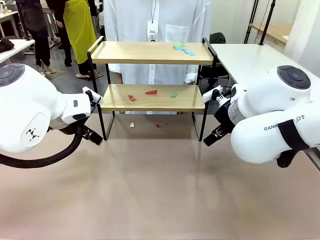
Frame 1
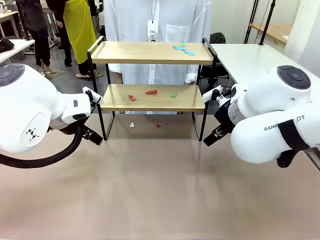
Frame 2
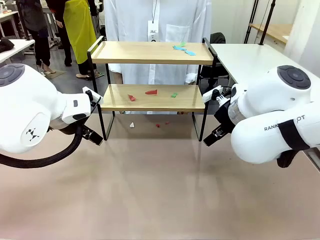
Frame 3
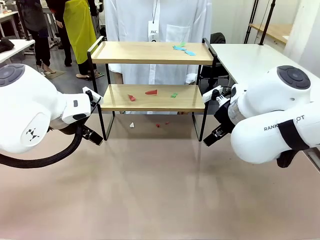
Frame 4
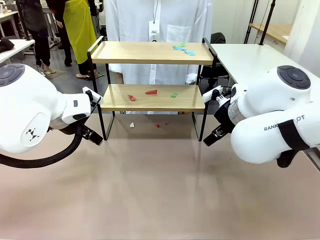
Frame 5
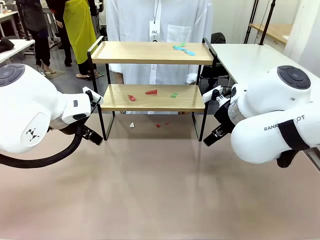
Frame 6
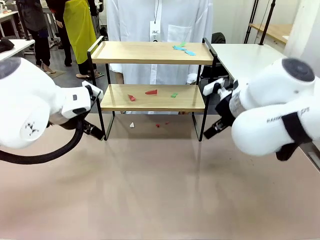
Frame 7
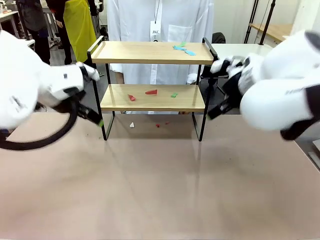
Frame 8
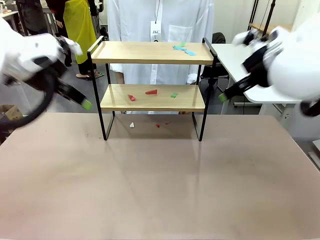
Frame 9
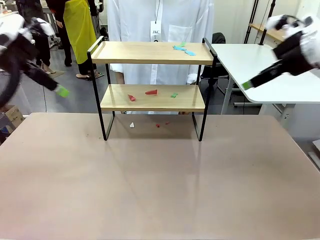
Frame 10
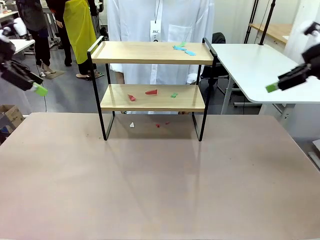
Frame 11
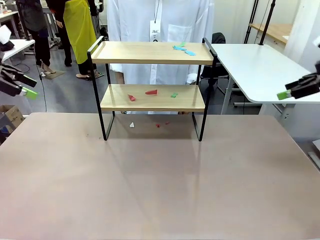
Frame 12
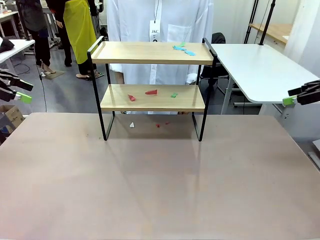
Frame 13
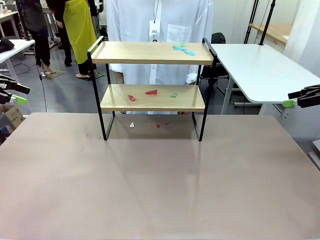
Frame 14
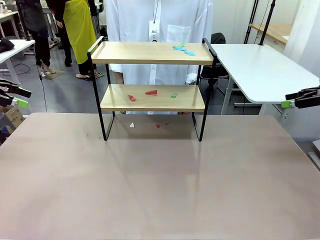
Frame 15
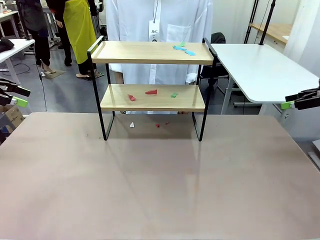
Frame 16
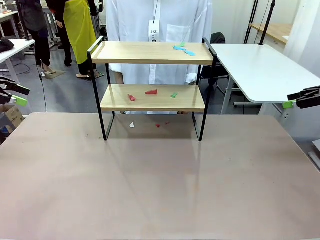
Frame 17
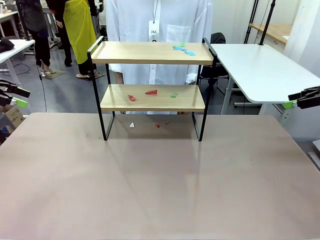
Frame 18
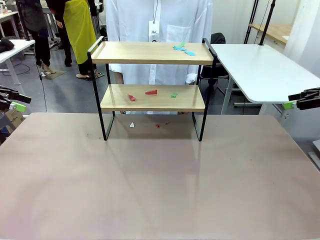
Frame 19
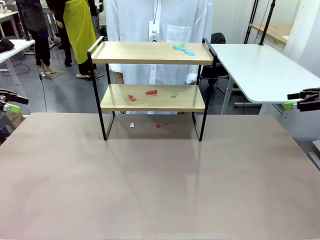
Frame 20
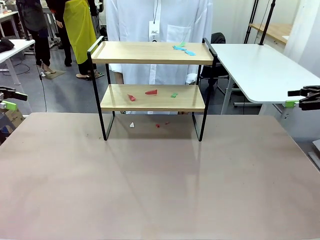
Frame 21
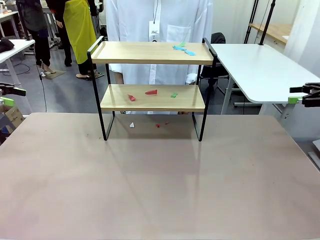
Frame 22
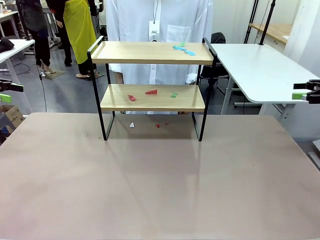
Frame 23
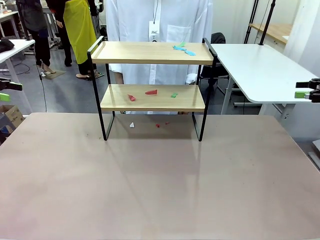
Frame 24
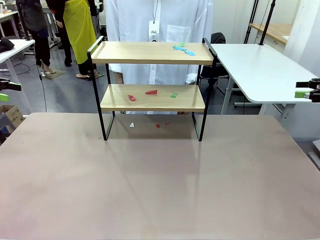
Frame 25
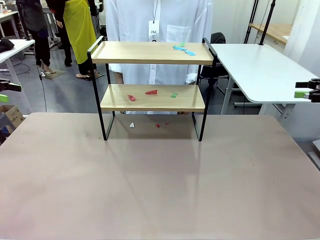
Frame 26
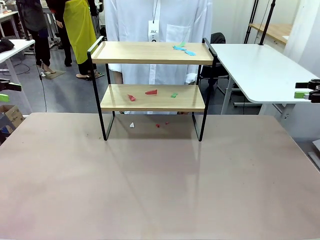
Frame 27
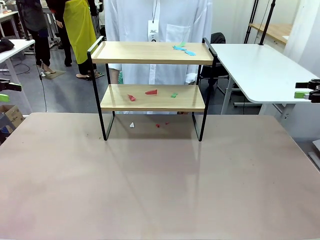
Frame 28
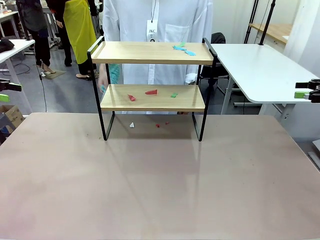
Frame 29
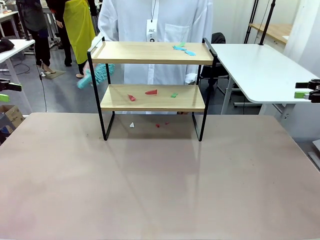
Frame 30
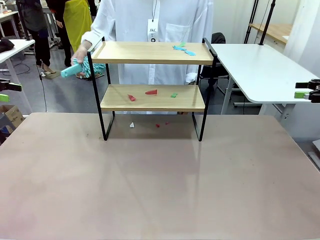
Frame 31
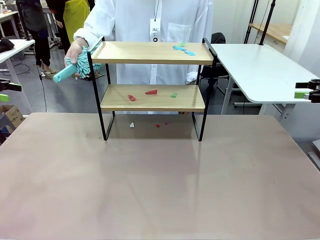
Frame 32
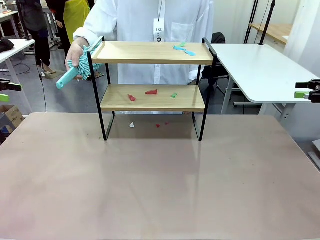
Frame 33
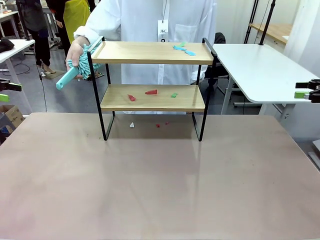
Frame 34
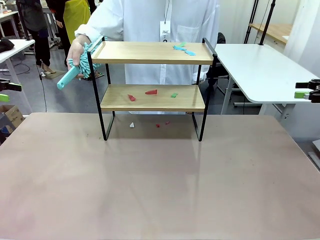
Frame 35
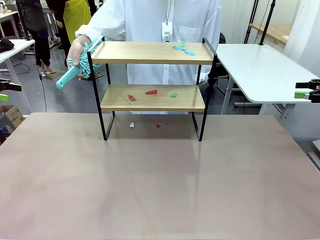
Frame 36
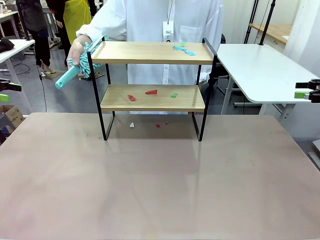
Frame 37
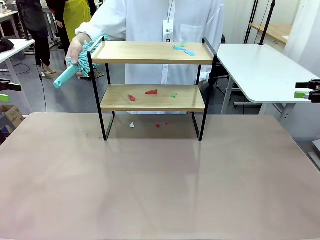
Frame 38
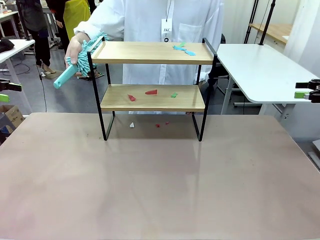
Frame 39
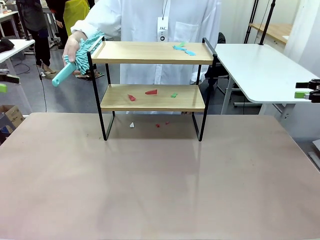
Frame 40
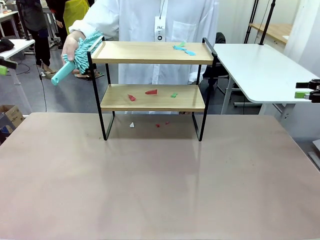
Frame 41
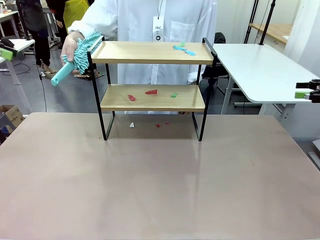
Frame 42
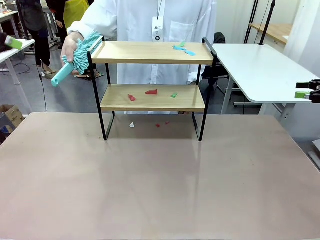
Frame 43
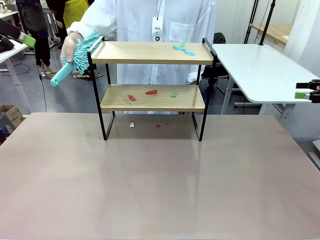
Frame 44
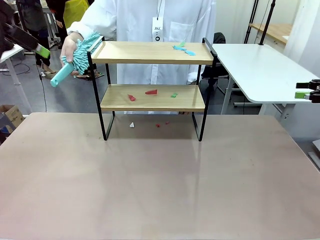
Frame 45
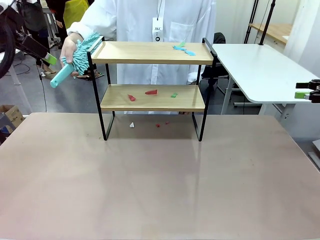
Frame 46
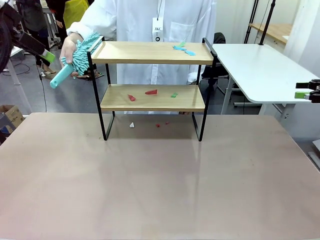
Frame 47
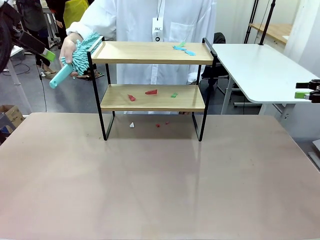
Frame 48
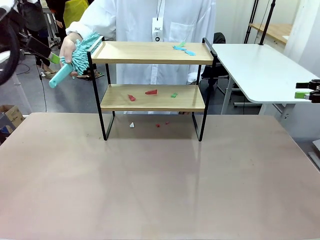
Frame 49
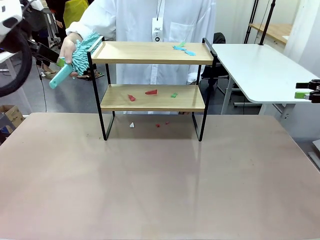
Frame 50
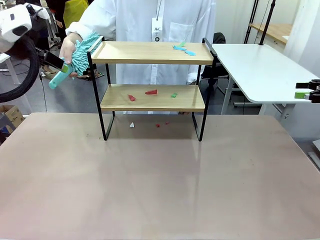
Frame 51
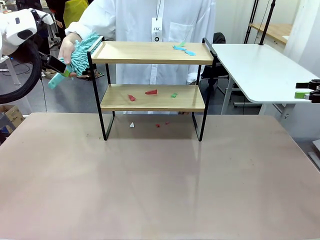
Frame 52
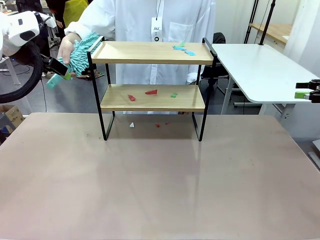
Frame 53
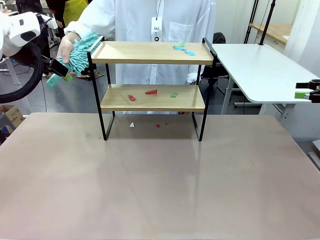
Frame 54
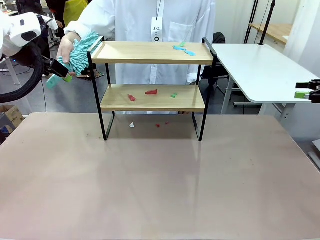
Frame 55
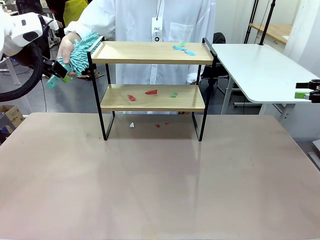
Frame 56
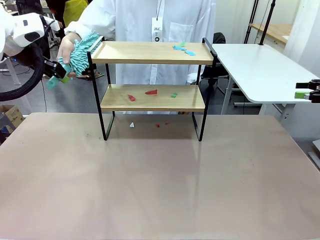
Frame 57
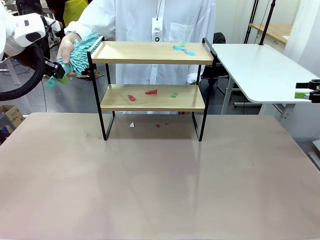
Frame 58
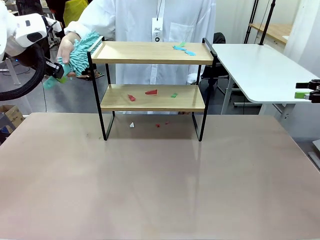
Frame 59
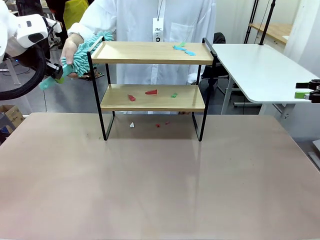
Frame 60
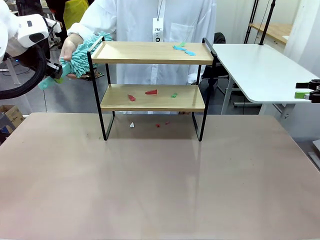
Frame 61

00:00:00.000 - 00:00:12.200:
Task: Clean the shelf.
Robot: Pick up the Duster handed by the human.
Person: Hand the Duster to the robot.

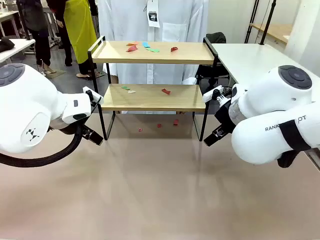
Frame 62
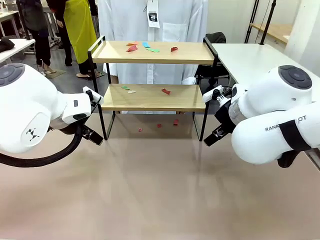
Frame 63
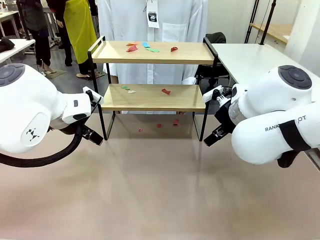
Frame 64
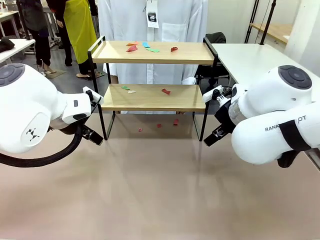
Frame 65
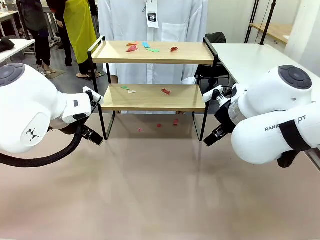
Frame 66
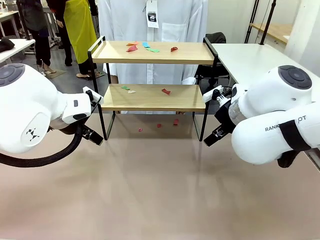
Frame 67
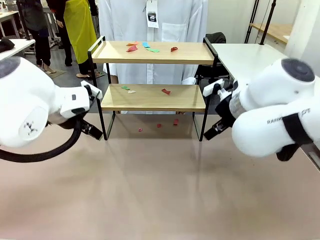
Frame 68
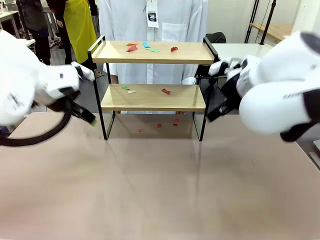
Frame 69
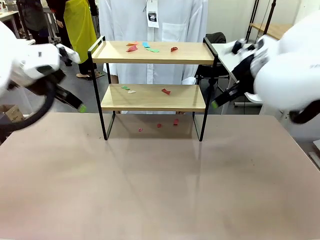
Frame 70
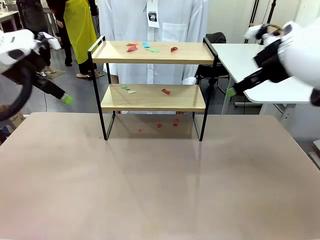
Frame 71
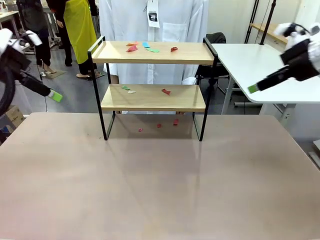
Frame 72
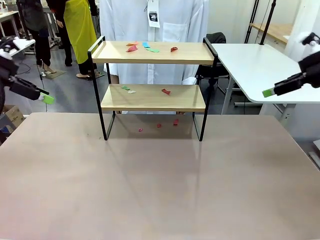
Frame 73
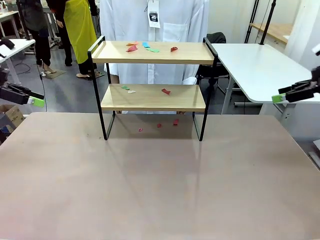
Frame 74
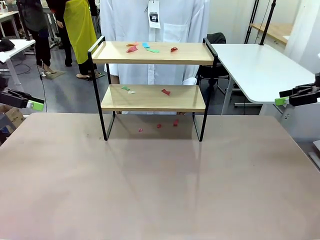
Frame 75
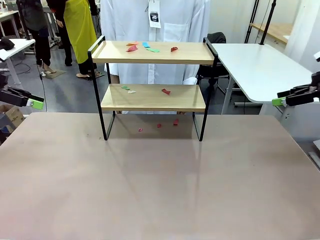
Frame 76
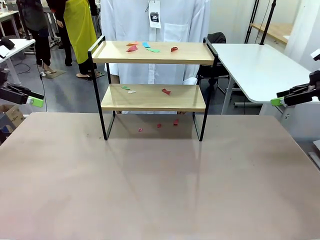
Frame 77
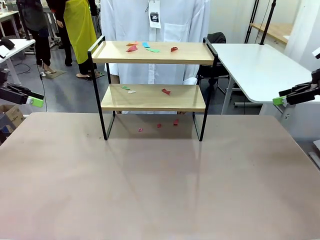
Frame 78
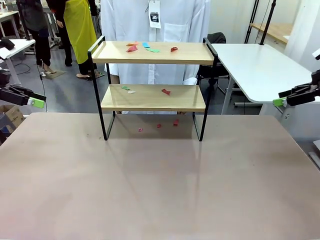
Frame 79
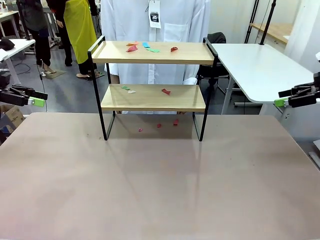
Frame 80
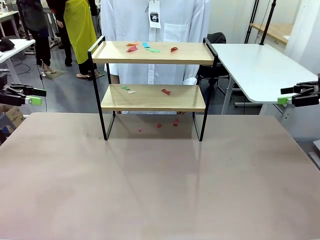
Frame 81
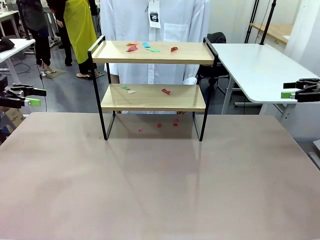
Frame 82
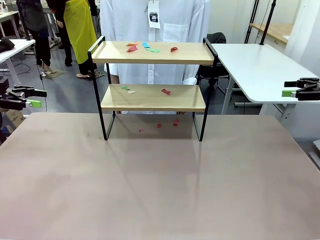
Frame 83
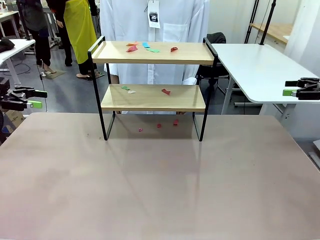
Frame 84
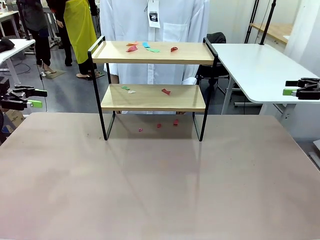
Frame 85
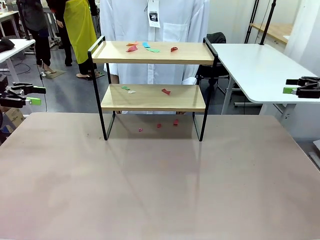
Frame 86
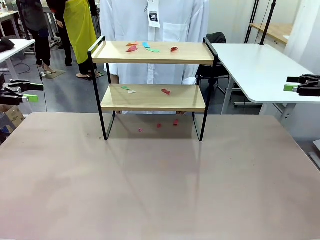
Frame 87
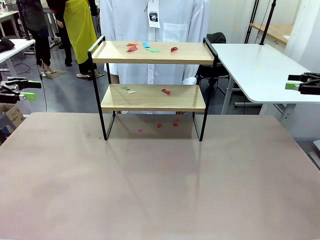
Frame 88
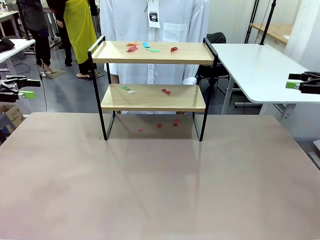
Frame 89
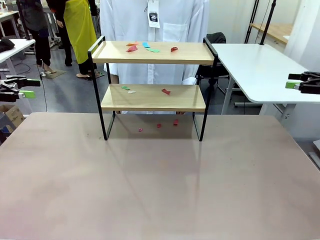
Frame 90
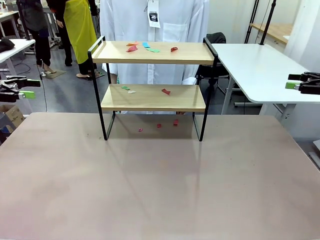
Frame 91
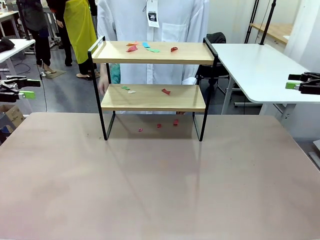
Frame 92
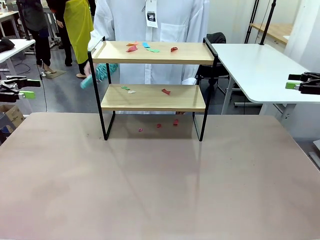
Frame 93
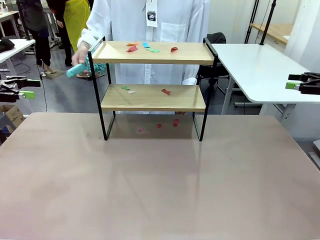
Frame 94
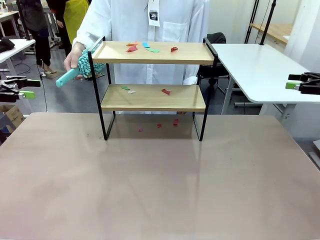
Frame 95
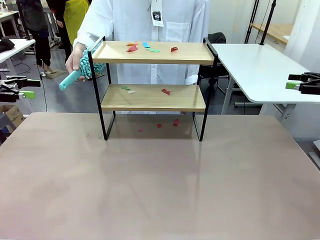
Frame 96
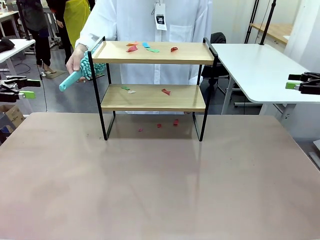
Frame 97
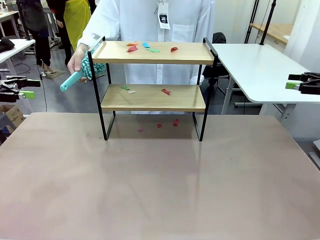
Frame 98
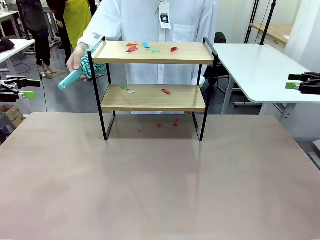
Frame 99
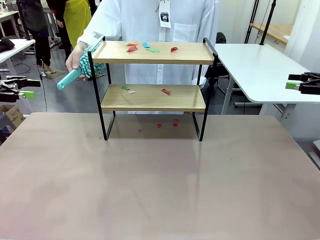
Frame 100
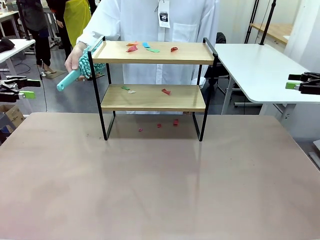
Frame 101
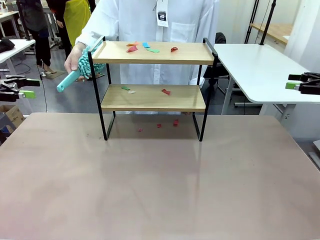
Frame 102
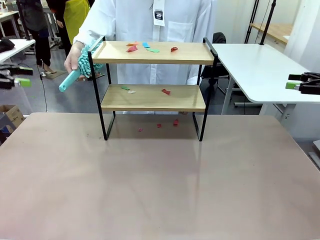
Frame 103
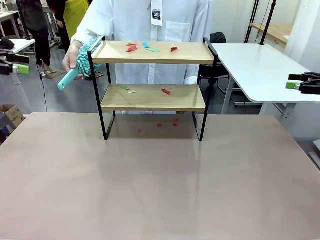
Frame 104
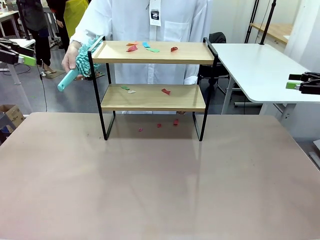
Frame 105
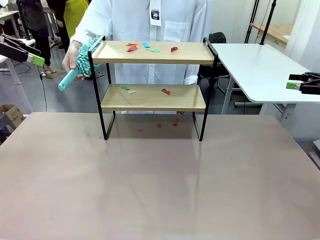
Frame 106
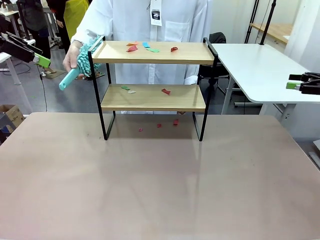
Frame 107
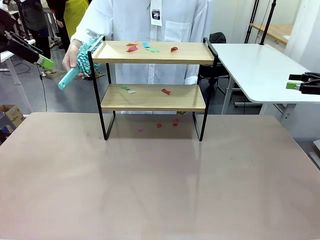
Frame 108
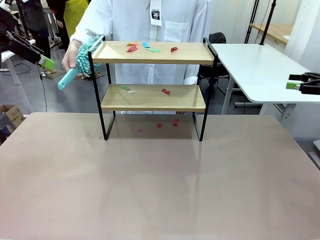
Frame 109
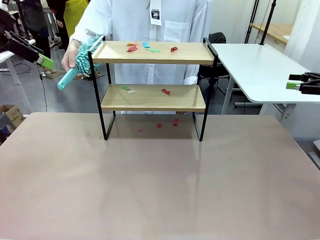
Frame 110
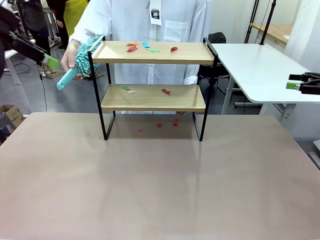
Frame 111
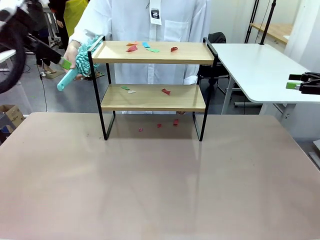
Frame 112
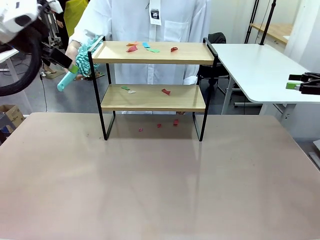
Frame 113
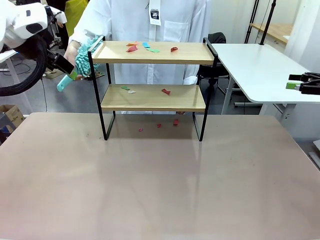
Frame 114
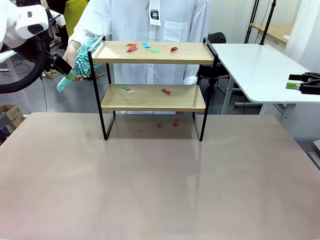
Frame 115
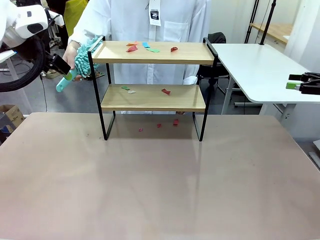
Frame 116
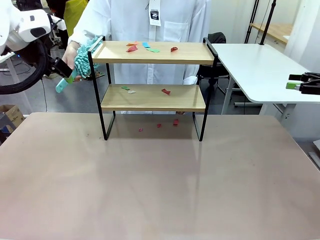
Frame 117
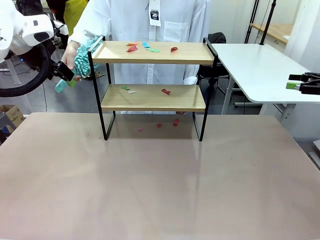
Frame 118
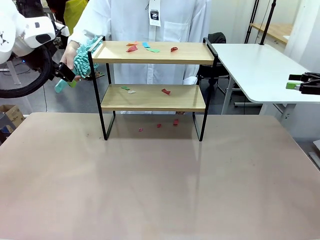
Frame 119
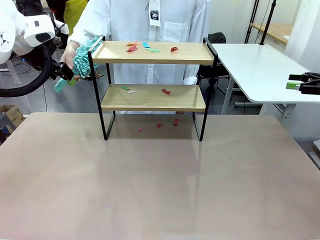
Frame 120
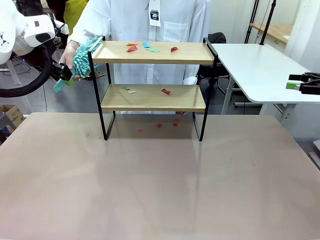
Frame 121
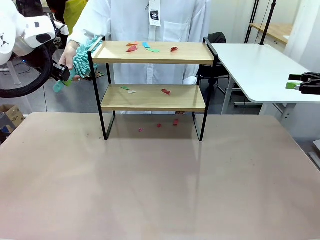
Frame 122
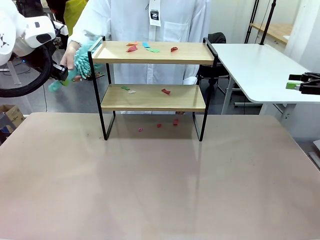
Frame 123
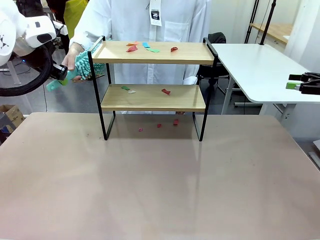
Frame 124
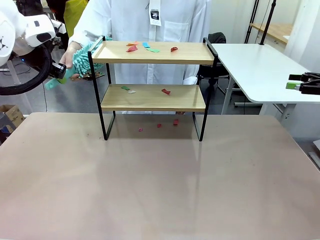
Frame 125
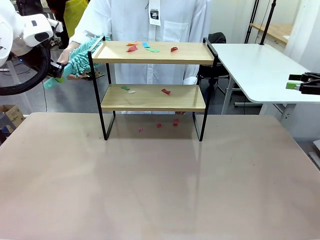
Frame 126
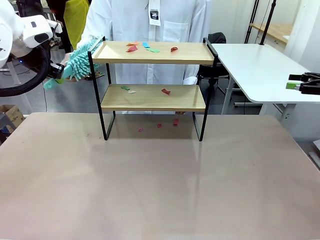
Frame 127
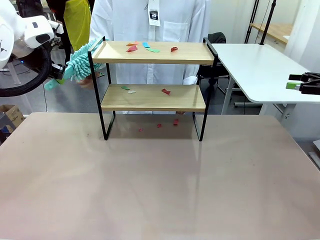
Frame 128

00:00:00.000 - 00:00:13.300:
Task: Clean the shelf.
Robot: Pick up the Duster handed by the human.
Person: Hand the Duster to the robot.
